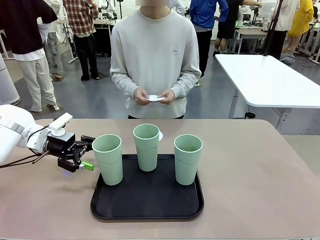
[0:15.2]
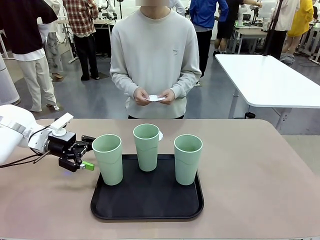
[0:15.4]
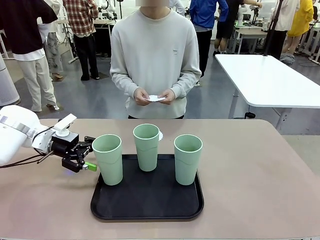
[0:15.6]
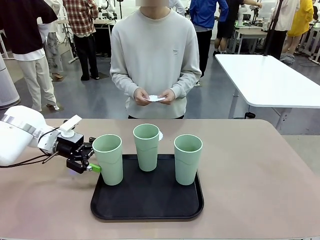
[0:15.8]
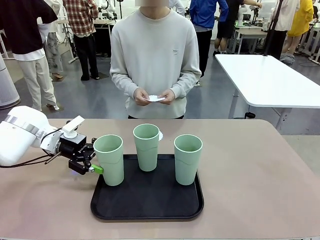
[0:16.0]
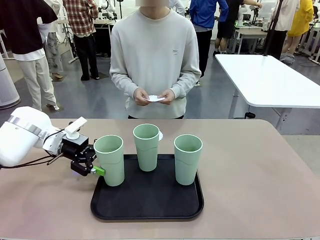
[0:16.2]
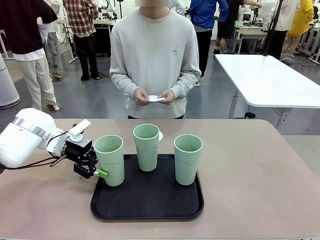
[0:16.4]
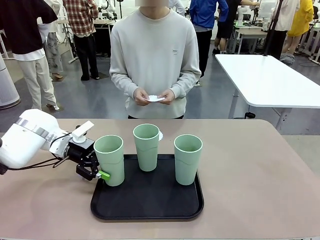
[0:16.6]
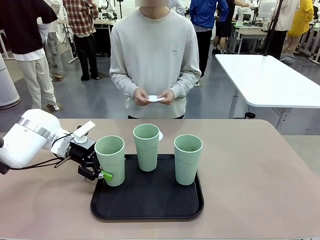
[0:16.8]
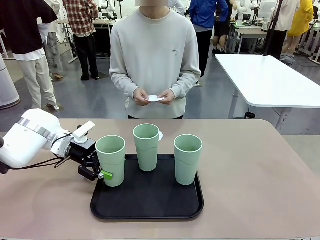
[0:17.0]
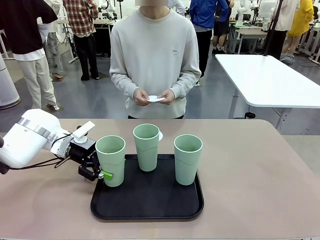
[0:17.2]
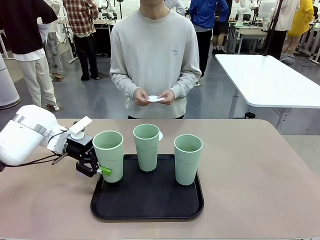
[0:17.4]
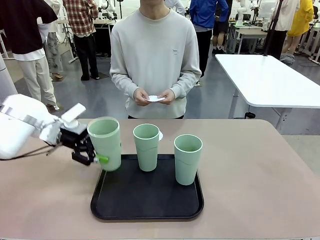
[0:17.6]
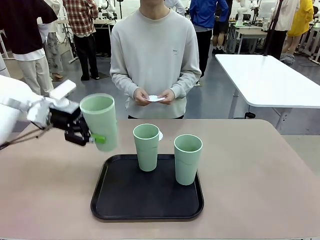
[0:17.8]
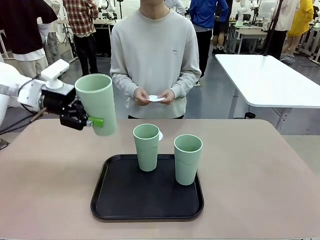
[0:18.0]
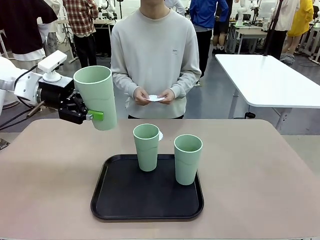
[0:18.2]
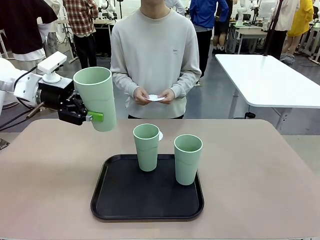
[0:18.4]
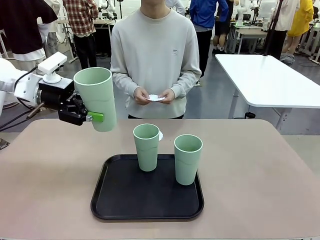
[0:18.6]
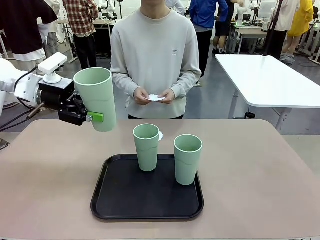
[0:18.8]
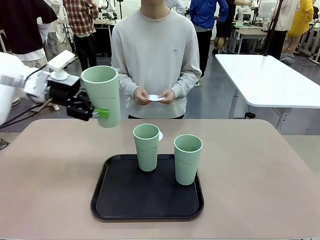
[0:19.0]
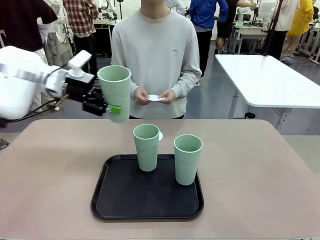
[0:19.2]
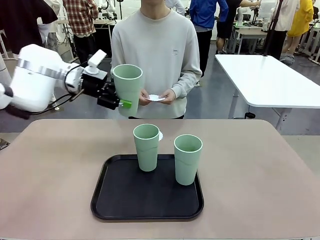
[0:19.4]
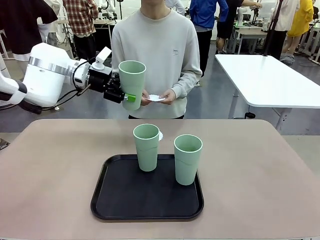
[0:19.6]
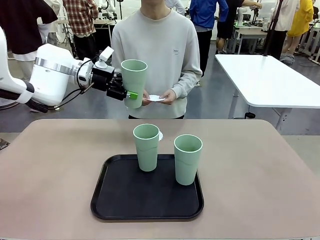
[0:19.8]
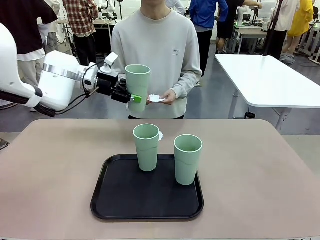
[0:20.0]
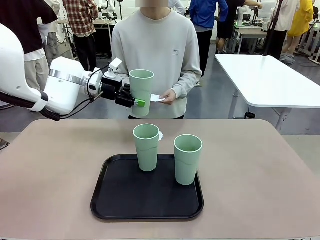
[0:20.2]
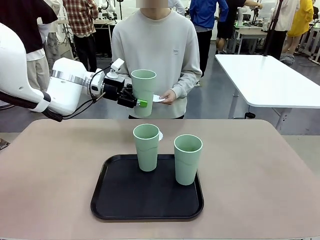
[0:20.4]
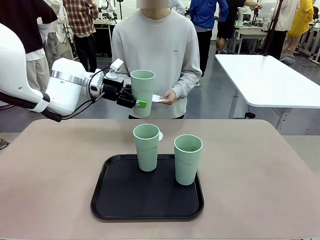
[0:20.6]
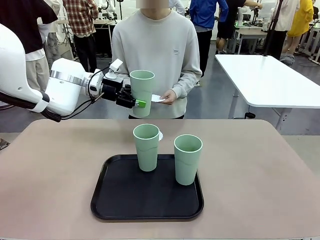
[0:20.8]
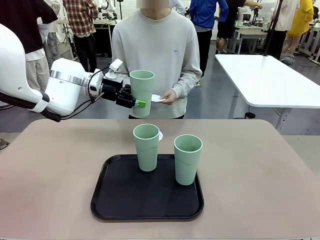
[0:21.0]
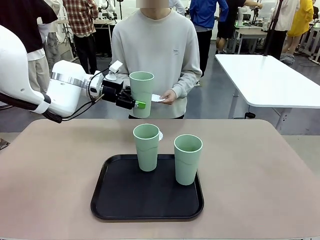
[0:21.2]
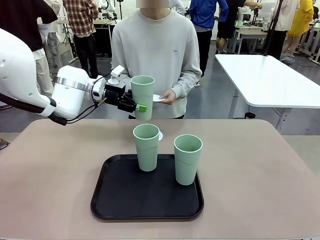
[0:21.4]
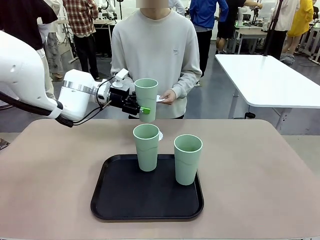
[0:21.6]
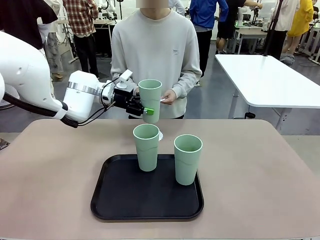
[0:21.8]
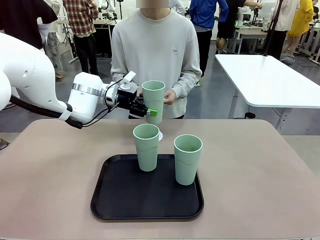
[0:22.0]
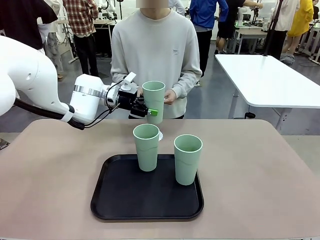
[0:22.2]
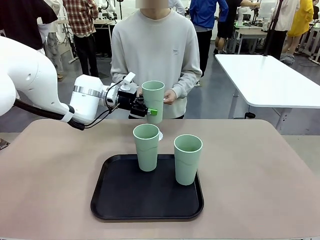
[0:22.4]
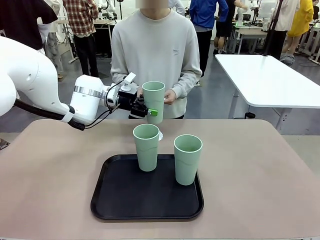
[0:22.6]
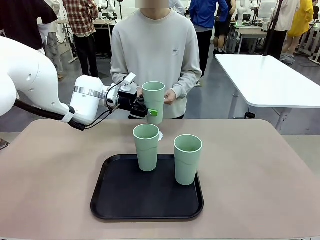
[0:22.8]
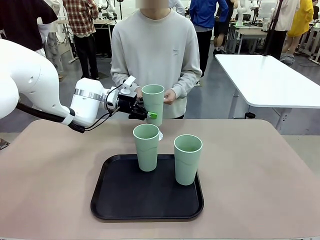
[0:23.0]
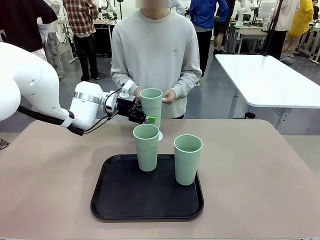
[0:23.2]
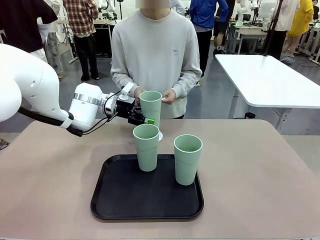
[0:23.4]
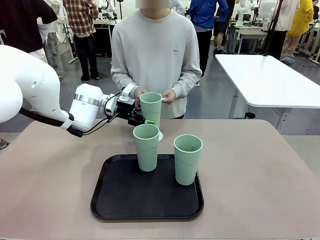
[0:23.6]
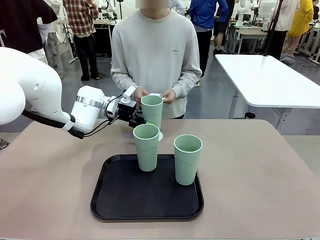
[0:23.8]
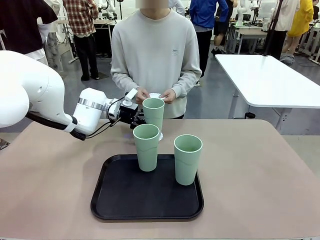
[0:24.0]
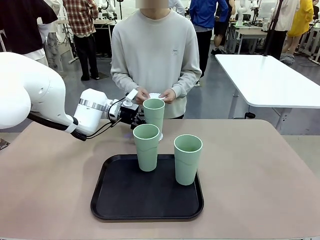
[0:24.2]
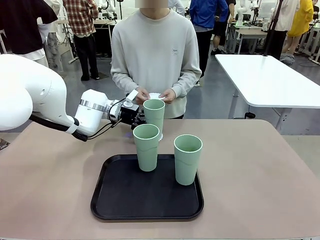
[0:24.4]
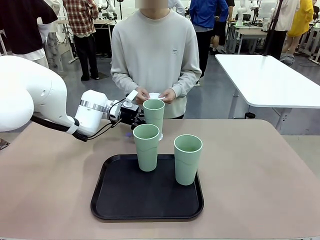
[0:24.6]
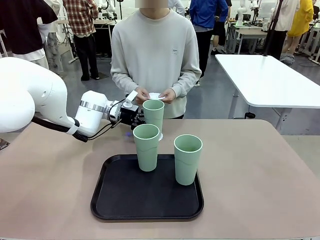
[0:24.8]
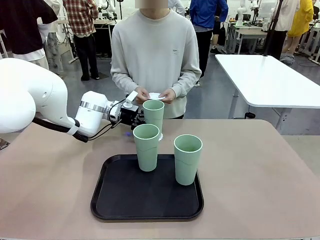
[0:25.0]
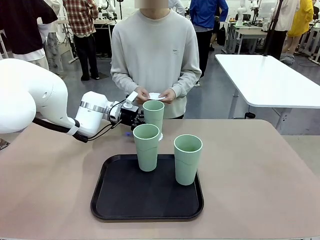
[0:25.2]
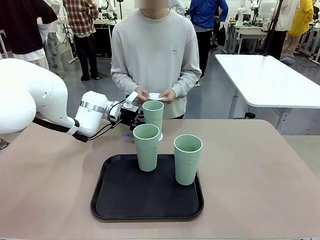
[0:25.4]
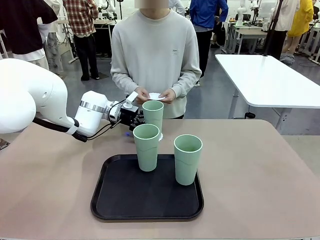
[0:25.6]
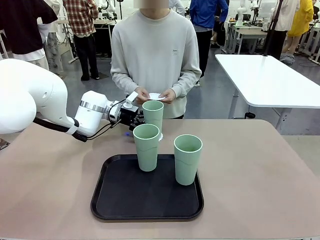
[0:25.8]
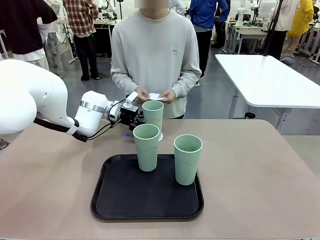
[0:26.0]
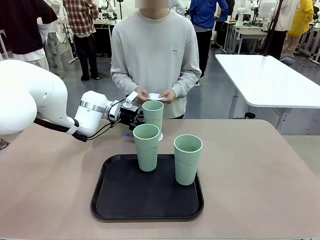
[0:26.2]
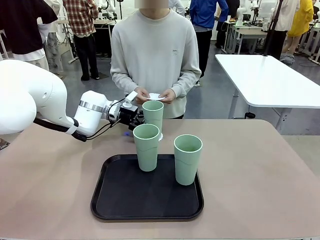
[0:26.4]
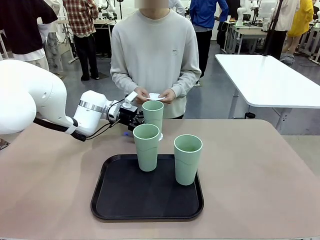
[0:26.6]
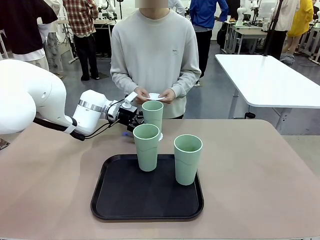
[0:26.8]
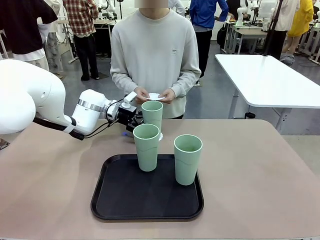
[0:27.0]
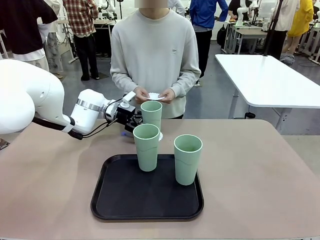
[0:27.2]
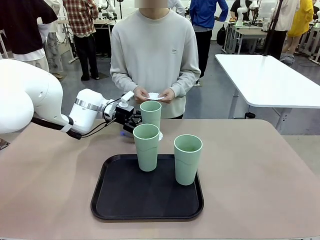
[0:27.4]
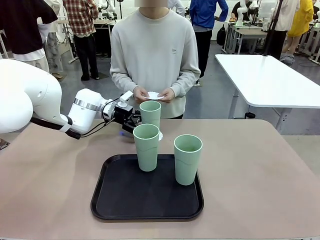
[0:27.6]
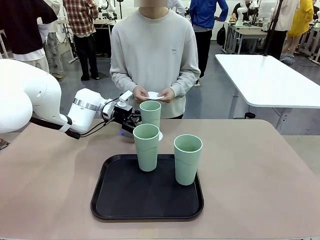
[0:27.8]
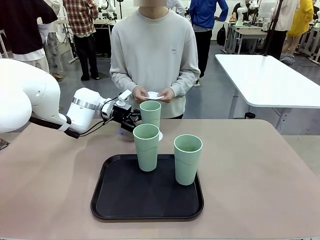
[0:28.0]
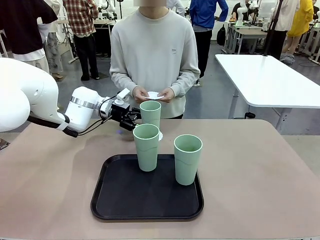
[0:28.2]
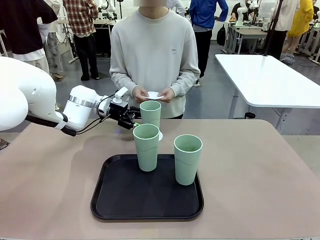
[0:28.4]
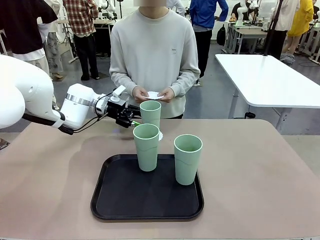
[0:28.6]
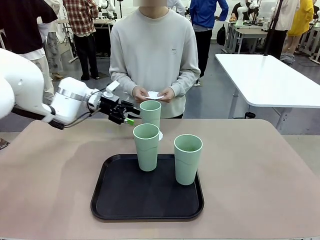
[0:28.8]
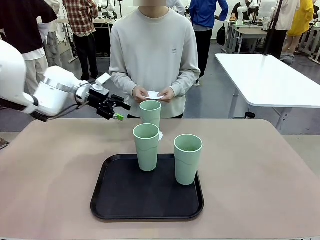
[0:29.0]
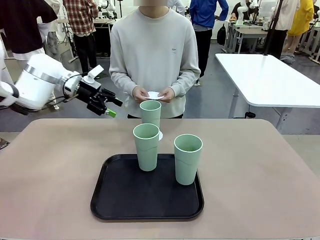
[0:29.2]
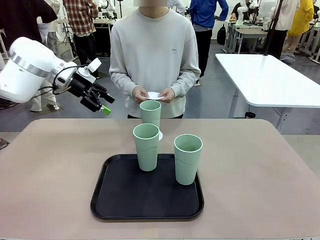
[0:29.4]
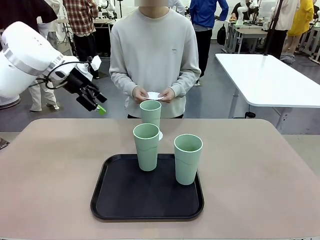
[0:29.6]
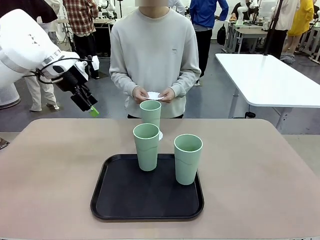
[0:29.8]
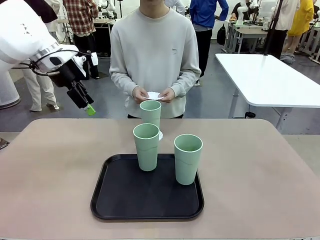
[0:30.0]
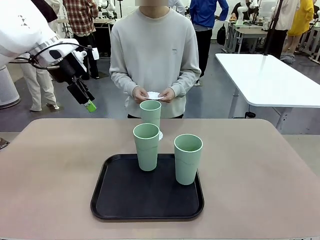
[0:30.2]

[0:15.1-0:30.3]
Task: Place coasters on the table and set cups on them.
Robot: Pick up one Reusable plastic cup and place it on a coaster set by the human.
Person: Place one coaster in one of the two areas excluding the previously selected area.
